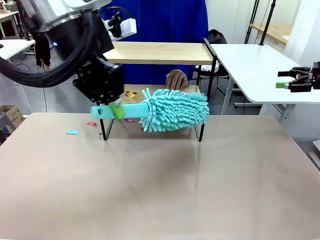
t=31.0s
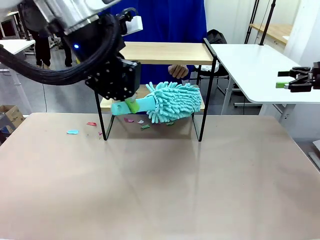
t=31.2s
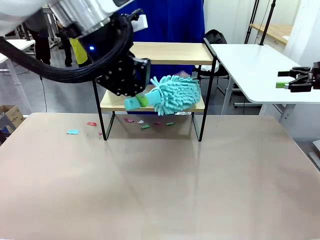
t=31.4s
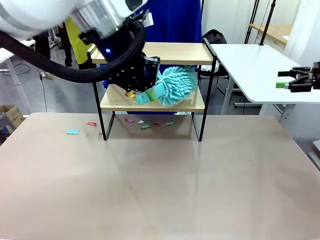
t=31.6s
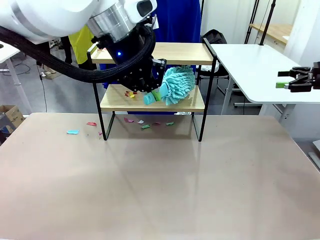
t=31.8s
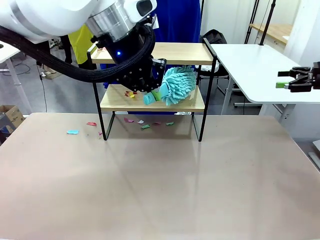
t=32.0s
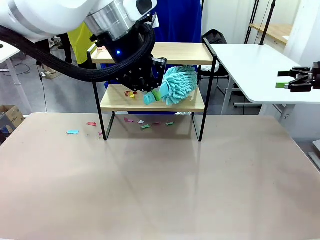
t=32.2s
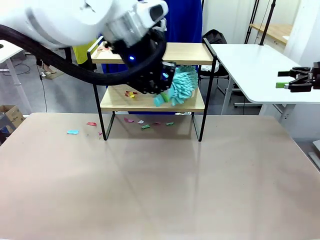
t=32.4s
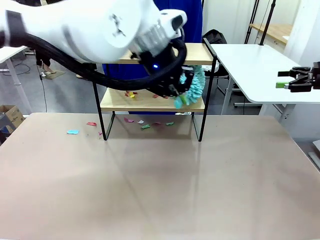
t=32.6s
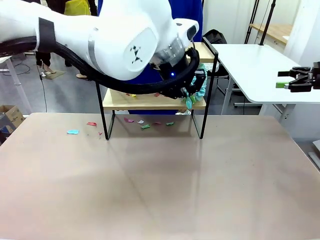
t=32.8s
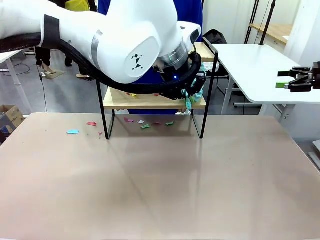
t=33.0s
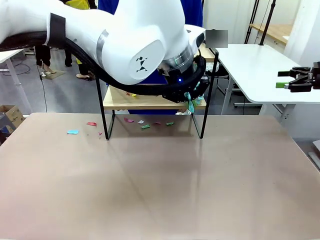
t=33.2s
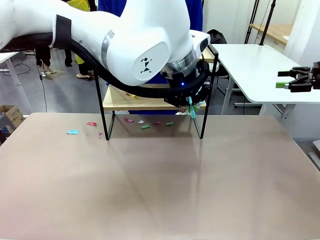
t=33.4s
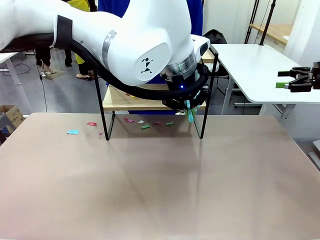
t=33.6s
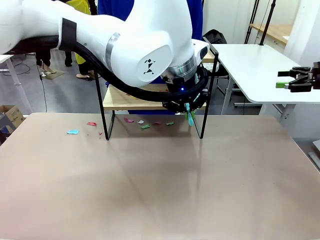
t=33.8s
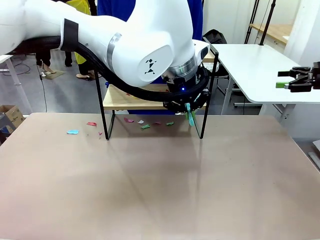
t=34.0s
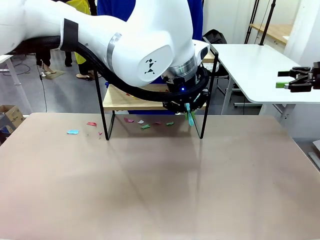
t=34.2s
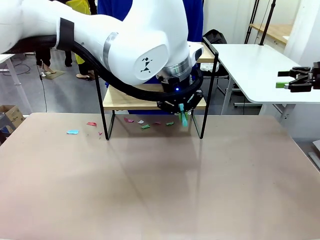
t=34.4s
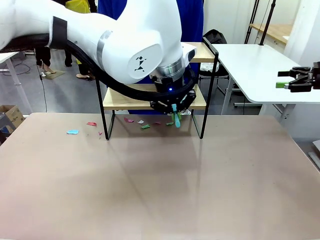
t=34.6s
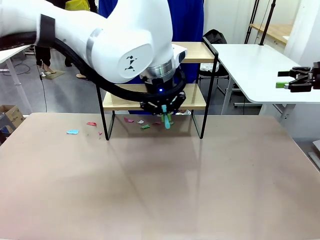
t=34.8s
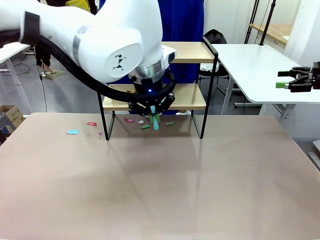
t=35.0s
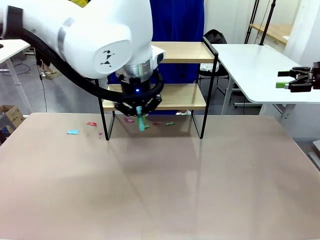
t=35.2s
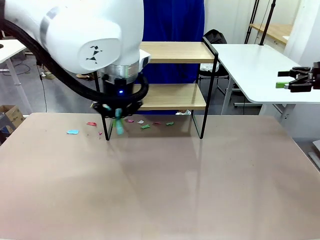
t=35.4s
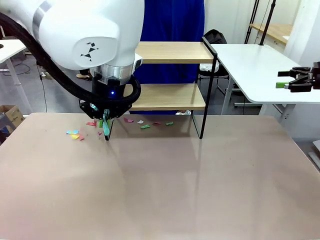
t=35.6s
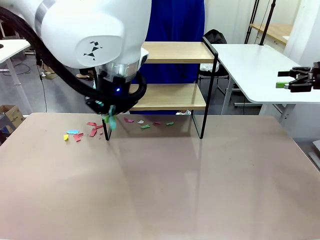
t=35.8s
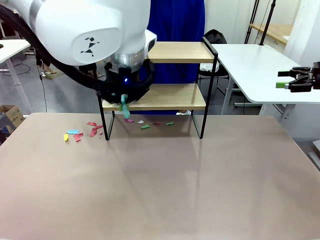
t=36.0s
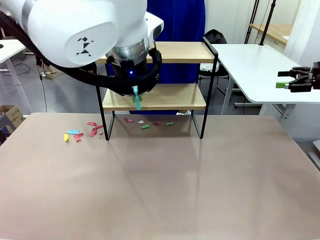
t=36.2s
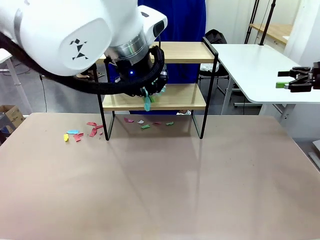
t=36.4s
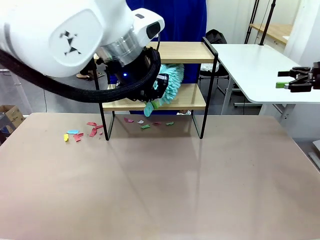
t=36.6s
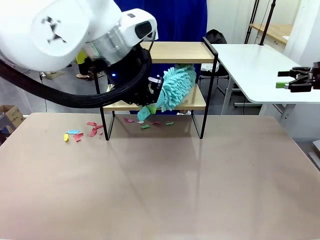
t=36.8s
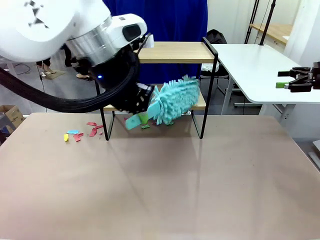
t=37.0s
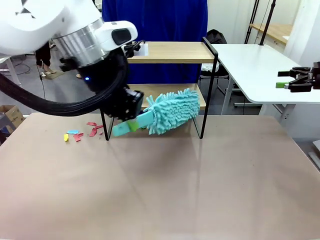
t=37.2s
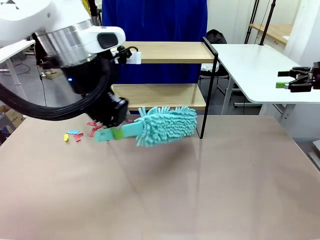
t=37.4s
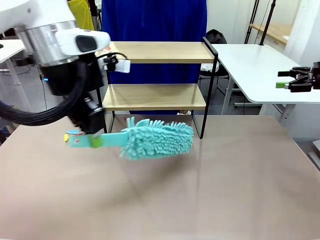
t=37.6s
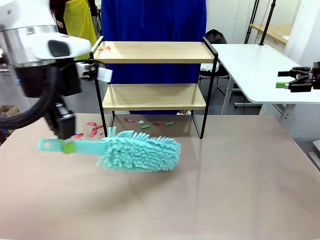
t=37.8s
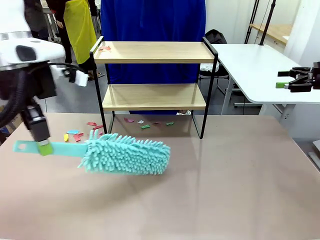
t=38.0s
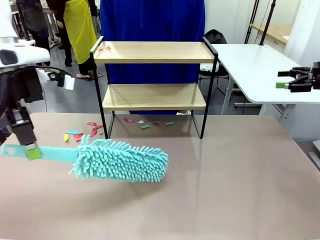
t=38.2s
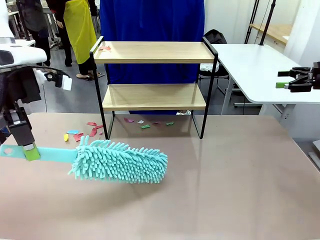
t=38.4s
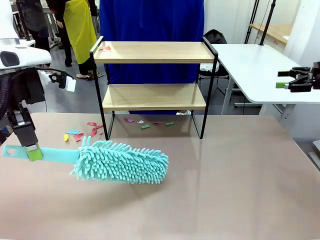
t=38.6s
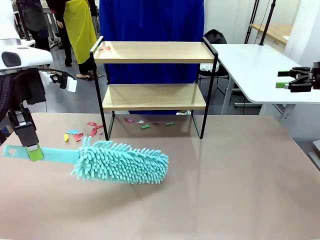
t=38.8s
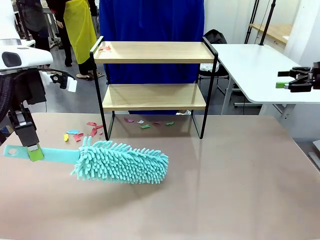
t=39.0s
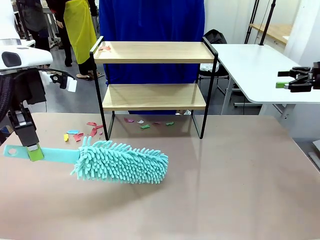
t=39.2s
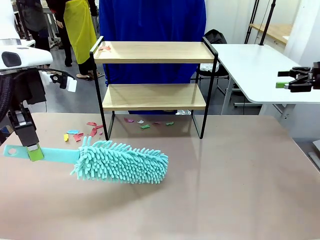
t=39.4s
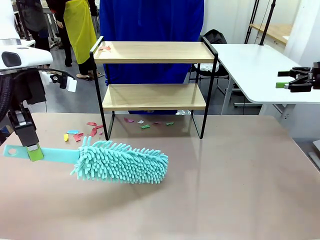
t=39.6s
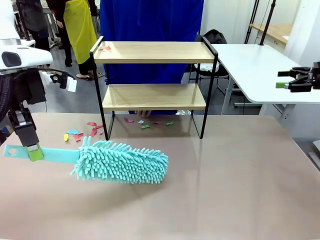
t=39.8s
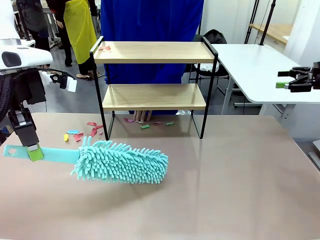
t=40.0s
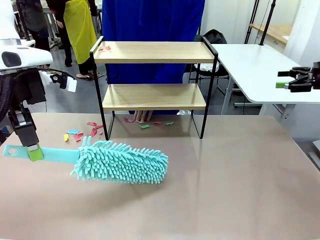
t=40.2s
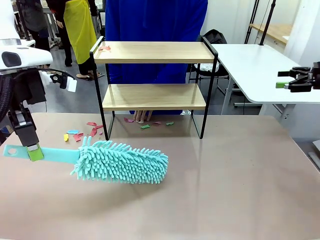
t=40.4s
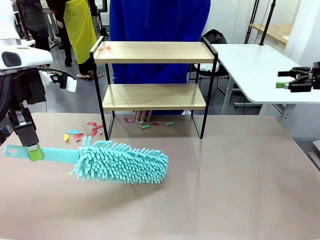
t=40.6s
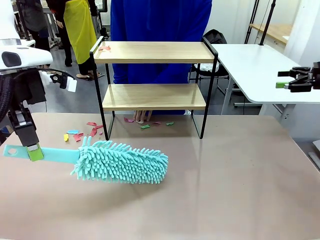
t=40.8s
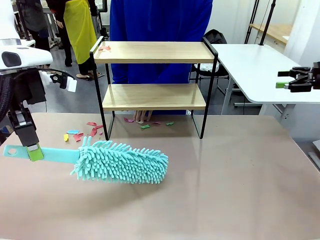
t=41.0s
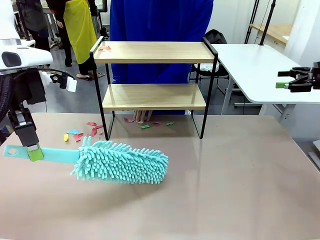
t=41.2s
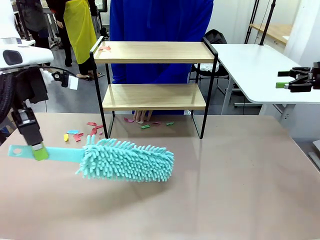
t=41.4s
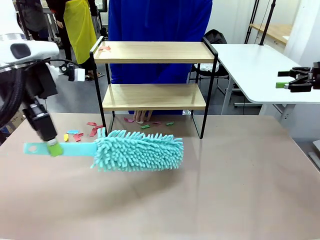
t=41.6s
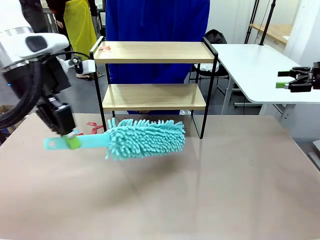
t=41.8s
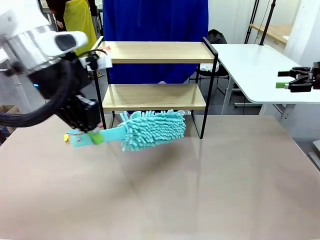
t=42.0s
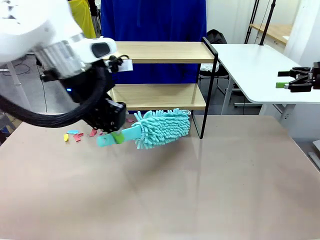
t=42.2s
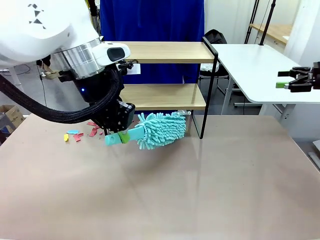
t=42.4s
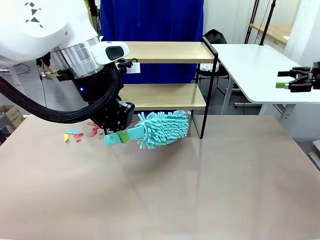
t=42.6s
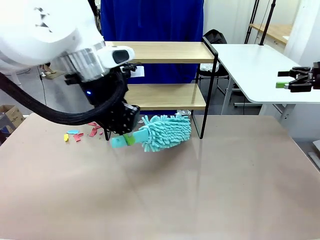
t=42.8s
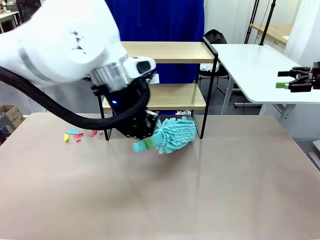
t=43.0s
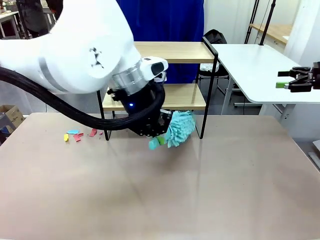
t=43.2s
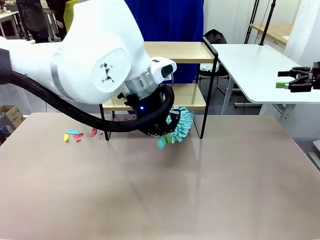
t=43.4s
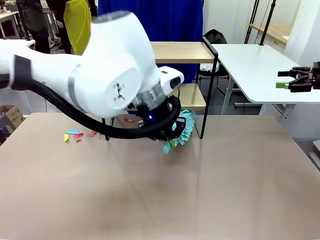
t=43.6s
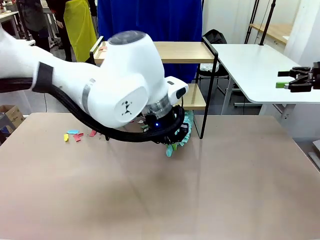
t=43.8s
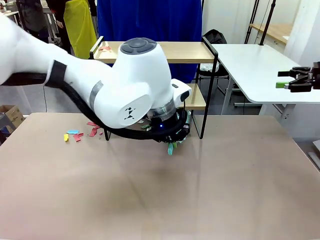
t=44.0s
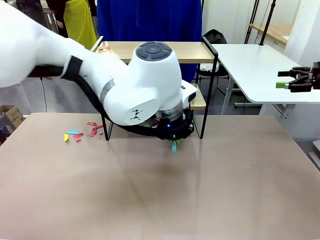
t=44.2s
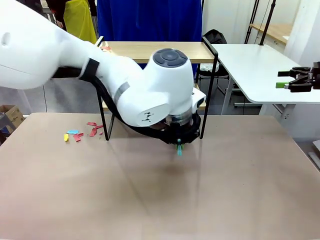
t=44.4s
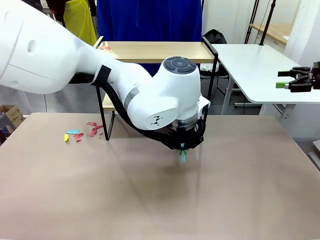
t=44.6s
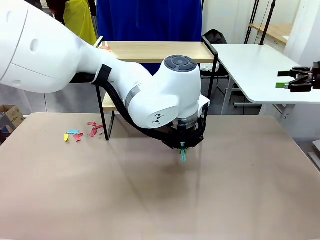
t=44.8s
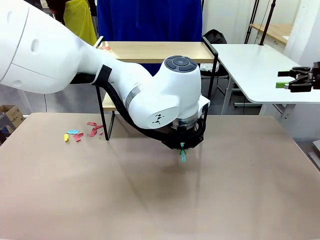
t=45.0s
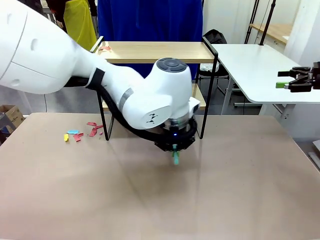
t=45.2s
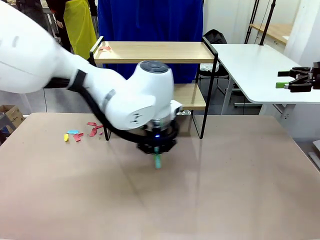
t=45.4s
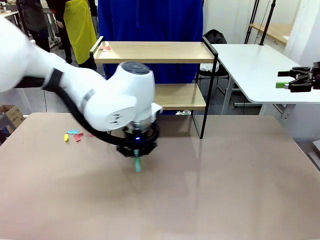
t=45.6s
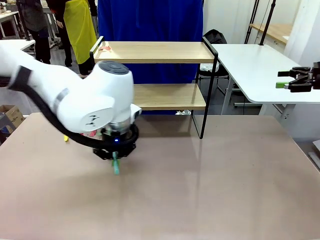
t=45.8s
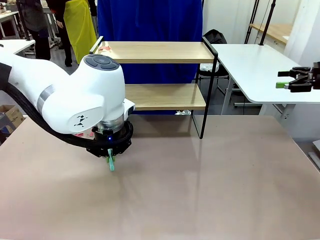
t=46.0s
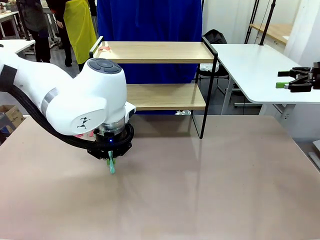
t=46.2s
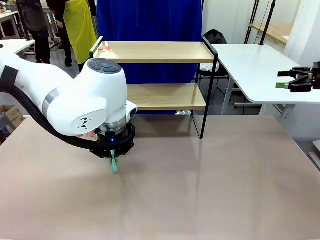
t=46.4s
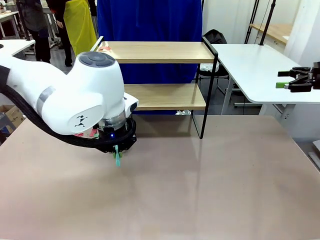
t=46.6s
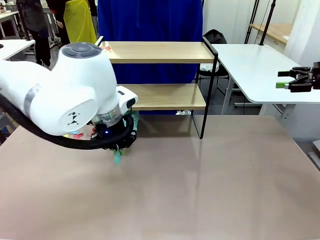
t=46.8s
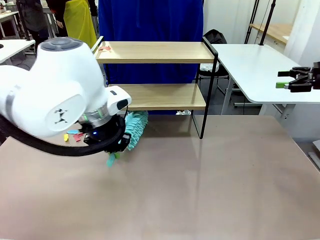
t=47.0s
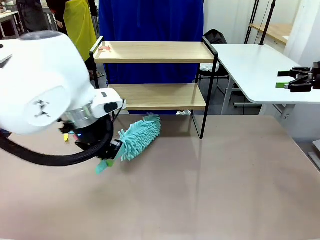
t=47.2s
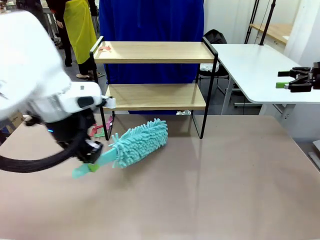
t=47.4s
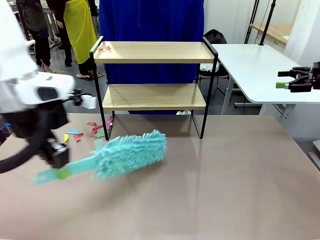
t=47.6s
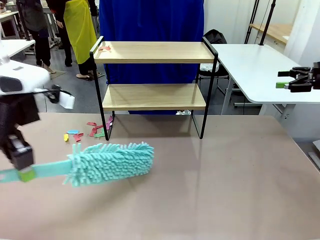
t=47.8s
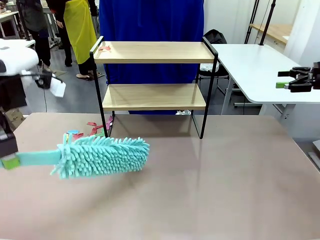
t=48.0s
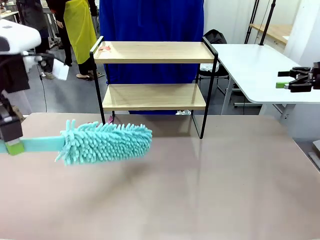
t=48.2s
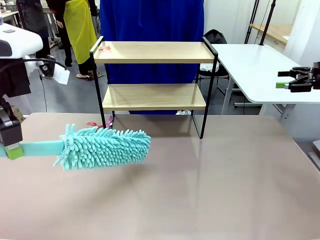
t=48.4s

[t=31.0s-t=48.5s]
Task: Clean the shelf.
Robot: Clean the specific section of the Shelf indicated by the human with the Duster.
Person: Point a remaining section of the Shelf.
